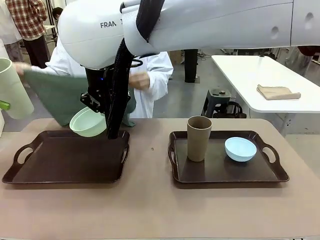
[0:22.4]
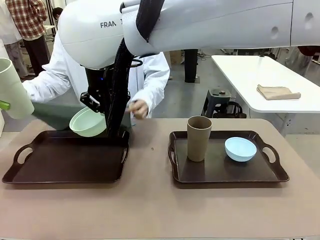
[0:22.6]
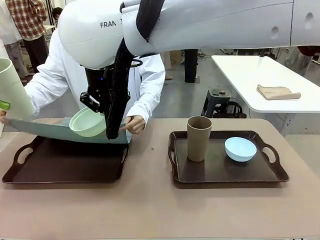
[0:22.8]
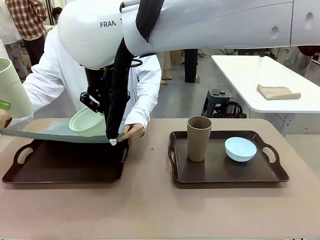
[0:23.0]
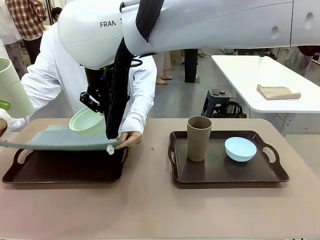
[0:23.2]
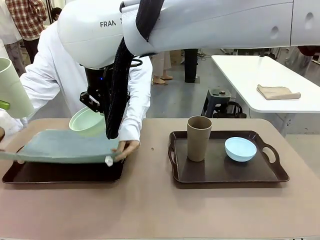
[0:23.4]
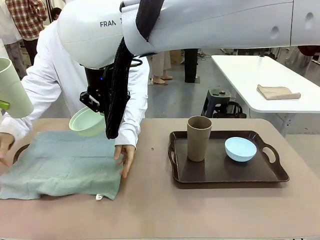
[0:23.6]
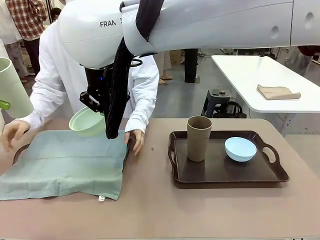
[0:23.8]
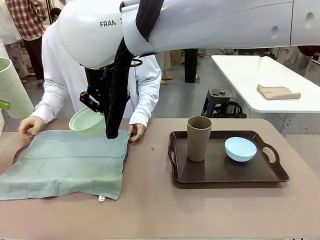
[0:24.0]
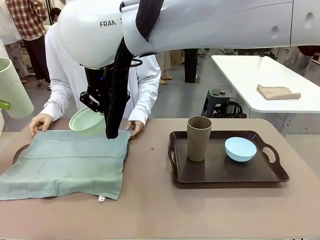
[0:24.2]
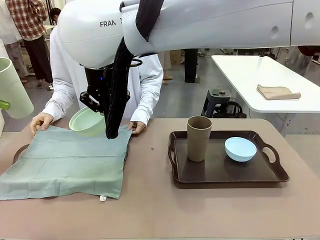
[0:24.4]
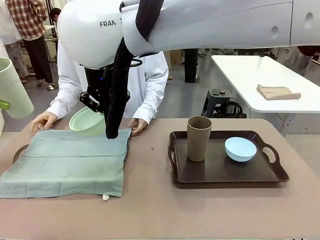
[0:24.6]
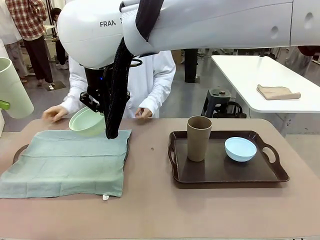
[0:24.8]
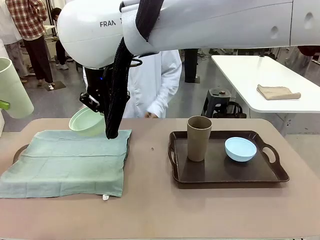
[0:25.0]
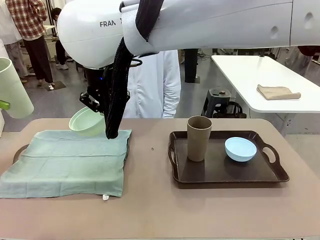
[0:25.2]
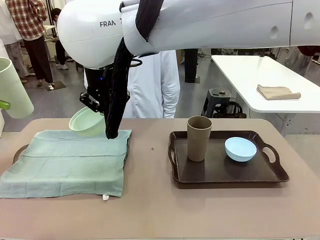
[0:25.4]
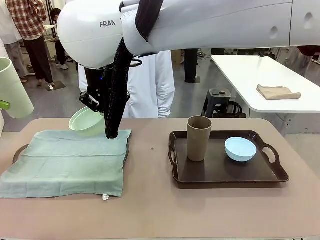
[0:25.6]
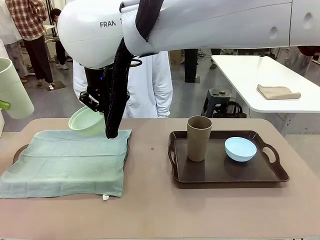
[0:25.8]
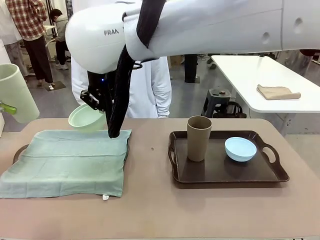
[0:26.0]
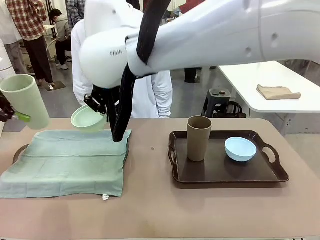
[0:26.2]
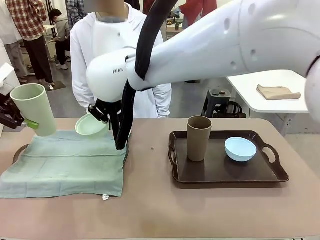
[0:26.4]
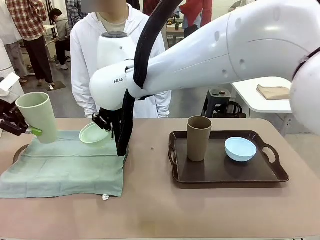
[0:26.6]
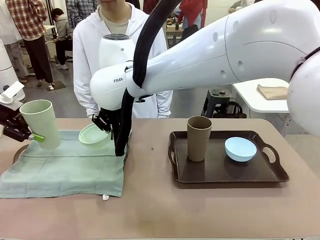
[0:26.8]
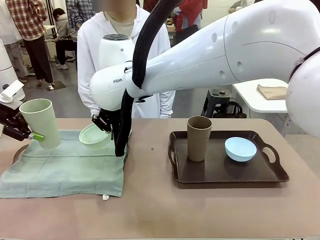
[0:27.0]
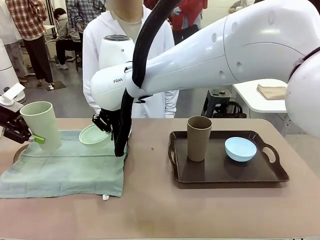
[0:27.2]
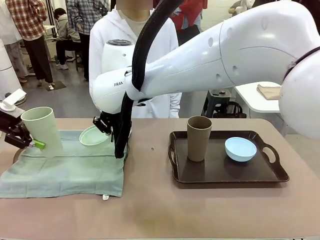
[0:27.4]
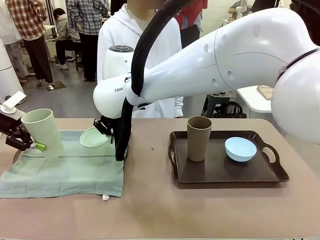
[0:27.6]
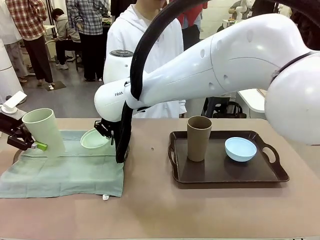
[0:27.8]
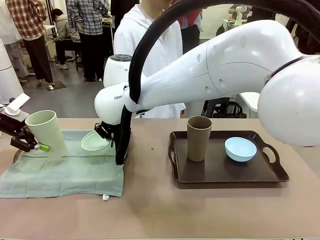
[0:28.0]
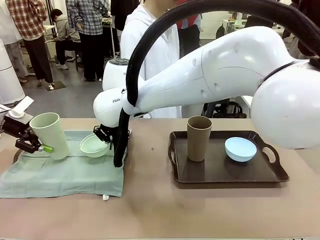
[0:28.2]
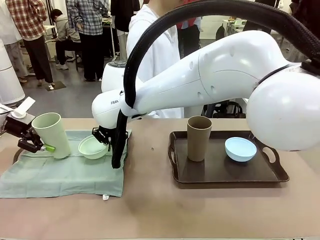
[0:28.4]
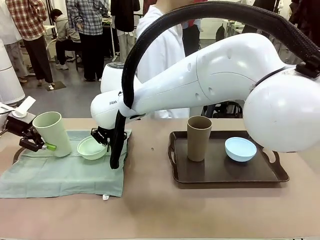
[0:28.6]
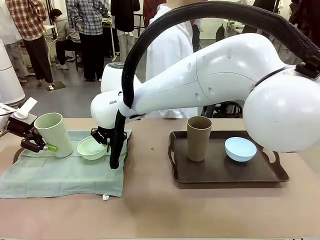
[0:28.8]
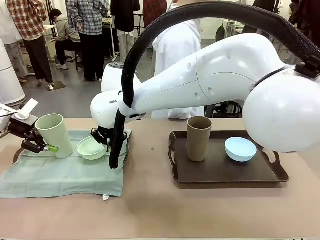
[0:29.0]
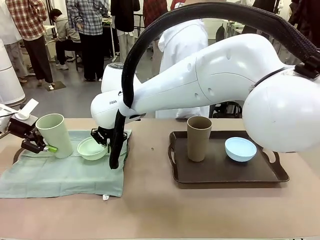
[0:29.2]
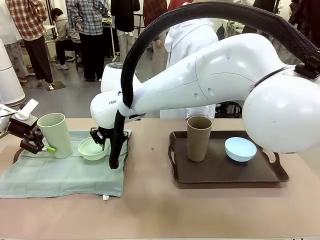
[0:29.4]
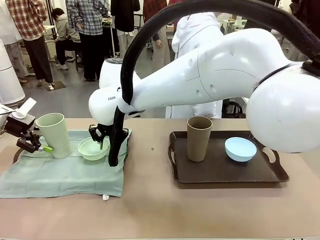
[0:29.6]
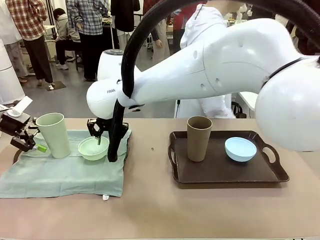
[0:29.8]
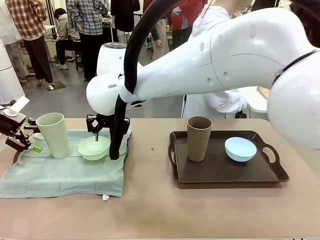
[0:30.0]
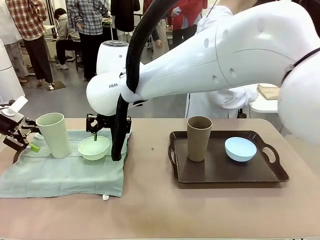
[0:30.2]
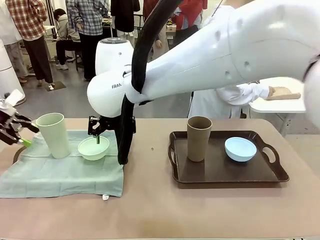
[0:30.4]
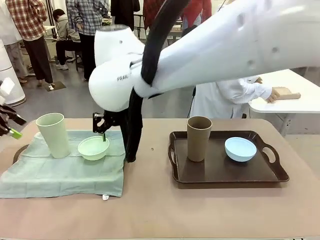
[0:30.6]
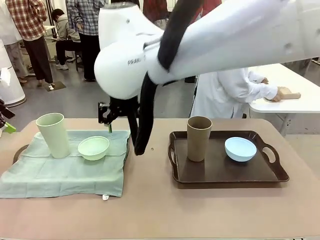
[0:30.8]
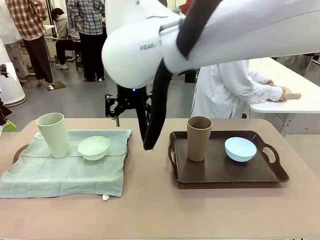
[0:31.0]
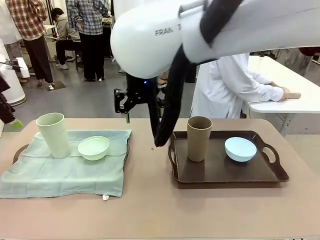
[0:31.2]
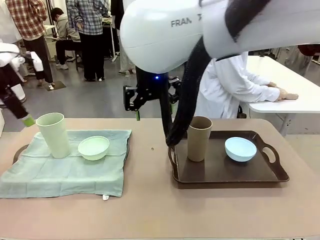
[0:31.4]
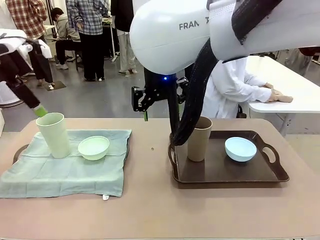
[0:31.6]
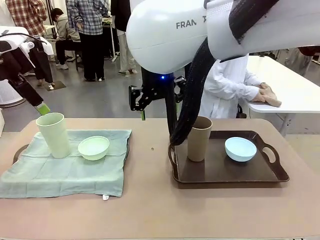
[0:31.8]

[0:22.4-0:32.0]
Robot: Place the Picnic Bowl and Reusable plastic cup back onto the Handle tray in front of the human's position.
Person: The human returns to the human table to pick up another napkin and walks to the robot table to stand in front of the tray without a napkin.
